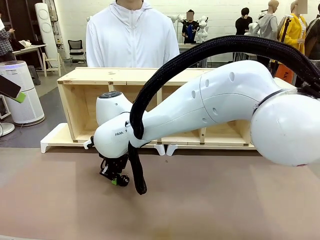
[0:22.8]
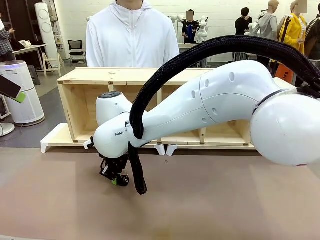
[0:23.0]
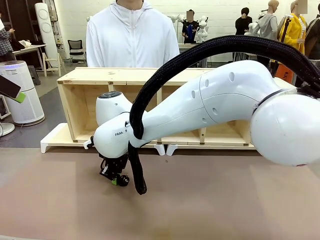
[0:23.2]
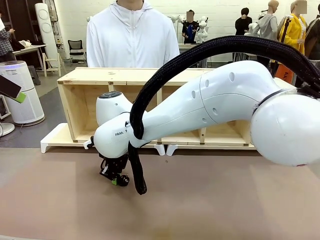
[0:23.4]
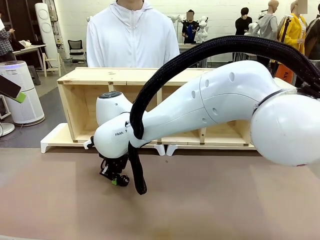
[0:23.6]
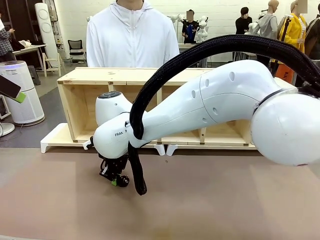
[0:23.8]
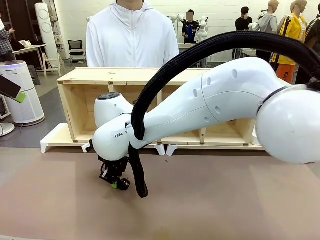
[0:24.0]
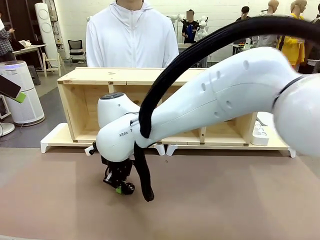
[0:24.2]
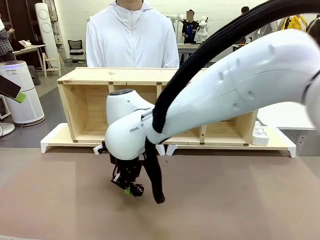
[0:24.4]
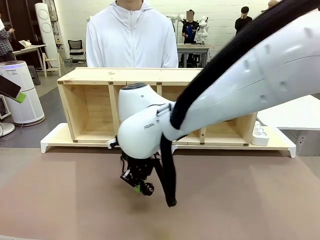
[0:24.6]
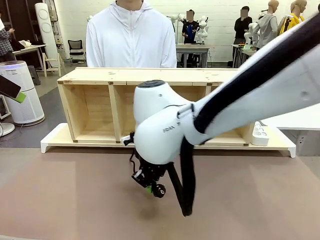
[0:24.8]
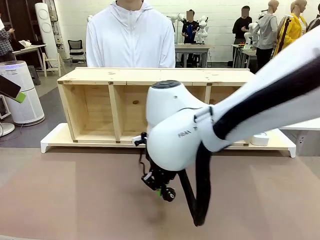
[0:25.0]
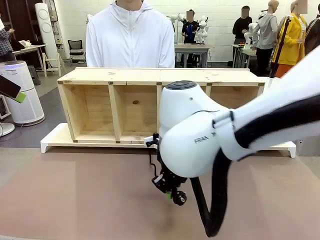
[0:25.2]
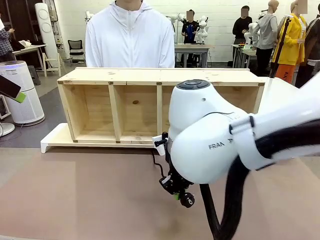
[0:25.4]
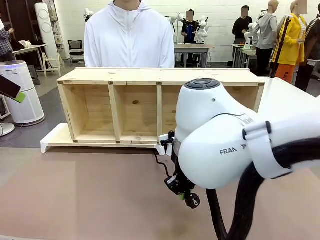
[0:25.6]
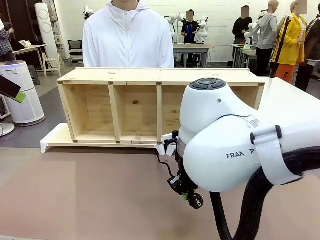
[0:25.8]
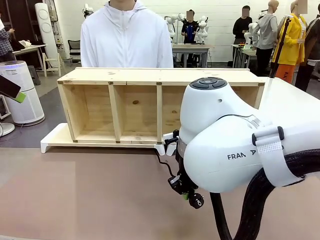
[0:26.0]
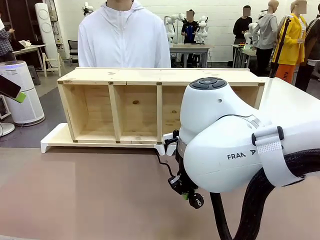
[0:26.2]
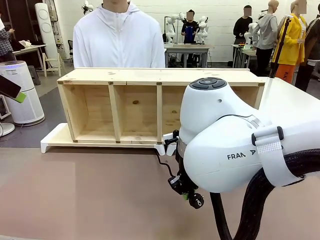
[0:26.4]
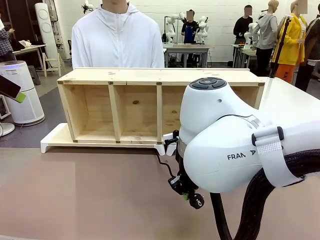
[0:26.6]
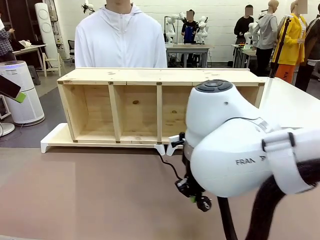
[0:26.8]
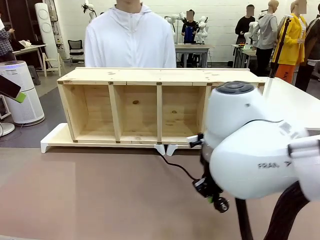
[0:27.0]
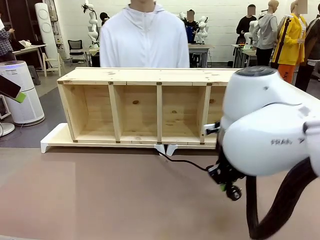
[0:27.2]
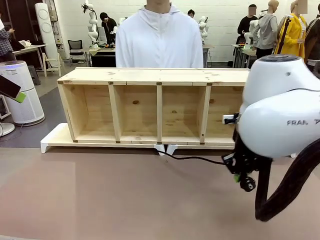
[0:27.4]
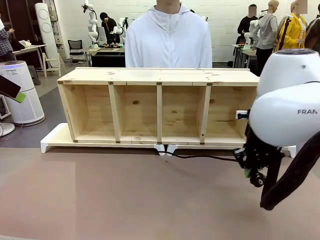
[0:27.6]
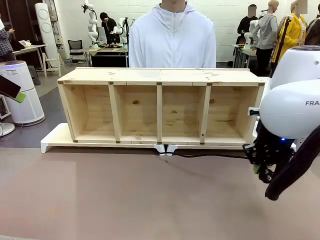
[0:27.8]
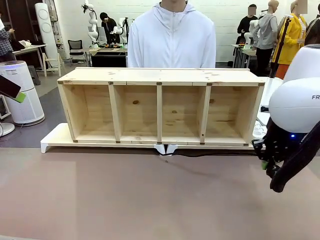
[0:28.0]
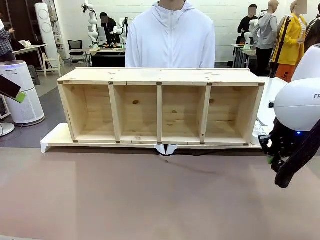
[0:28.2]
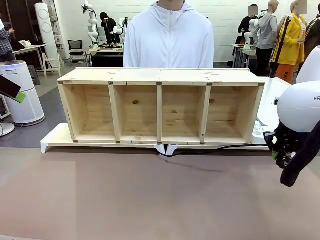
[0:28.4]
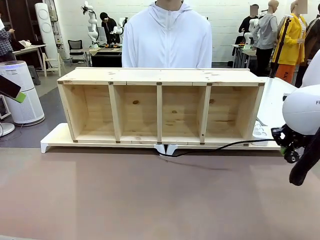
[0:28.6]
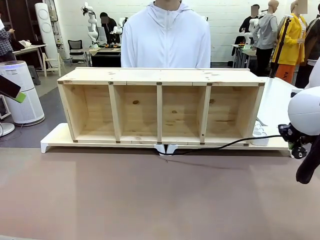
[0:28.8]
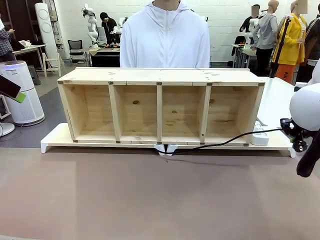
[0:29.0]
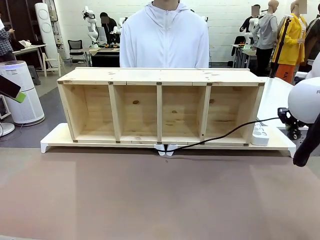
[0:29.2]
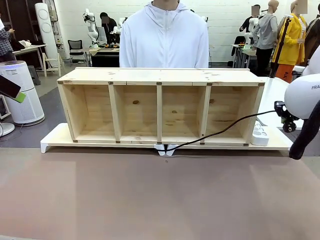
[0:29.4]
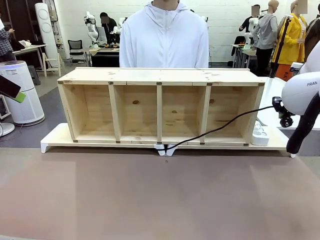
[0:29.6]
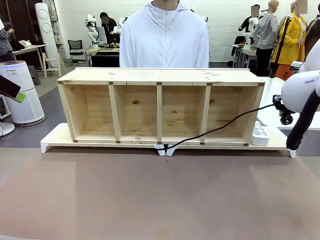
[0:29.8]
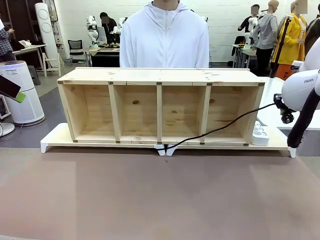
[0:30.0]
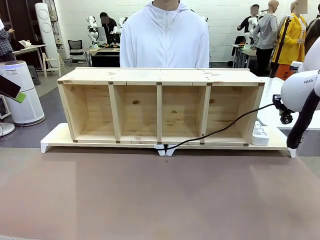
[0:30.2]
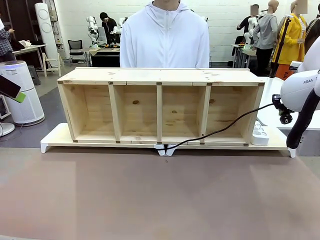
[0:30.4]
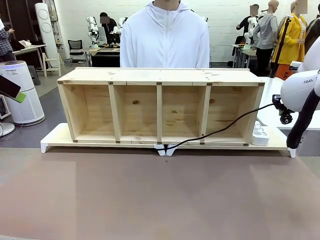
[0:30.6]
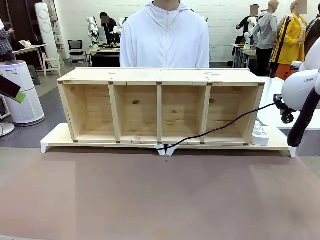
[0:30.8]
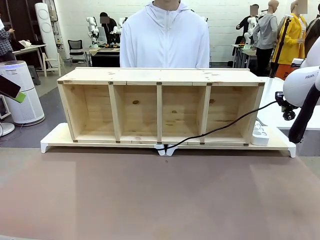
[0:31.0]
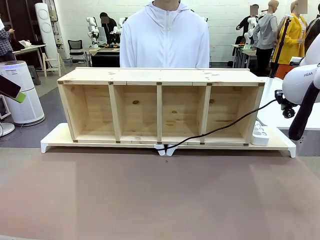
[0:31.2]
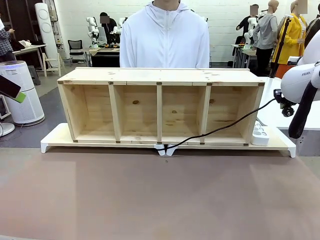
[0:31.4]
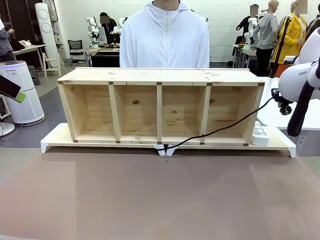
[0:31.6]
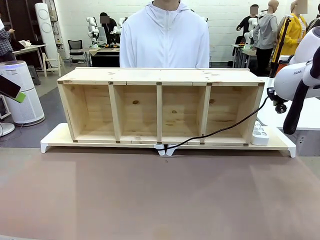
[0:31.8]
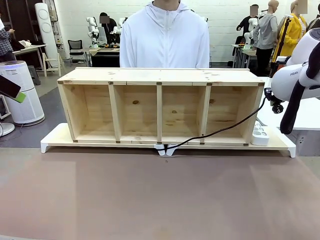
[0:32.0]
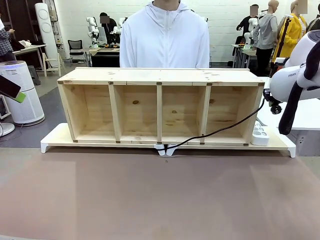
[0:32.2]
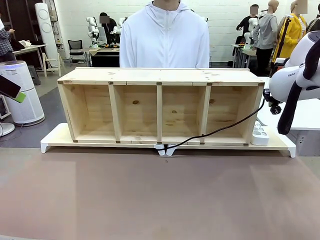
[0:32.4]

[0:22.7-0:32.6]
Task: Perform cable management.
Robot: Pull the grasped Power Cable to the location of the Power Strip.

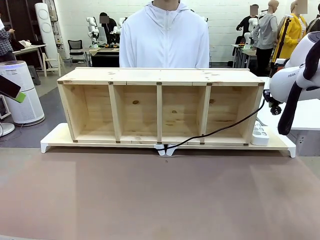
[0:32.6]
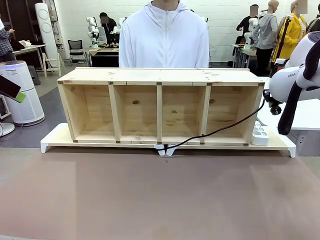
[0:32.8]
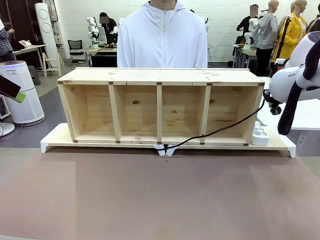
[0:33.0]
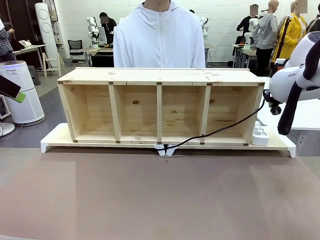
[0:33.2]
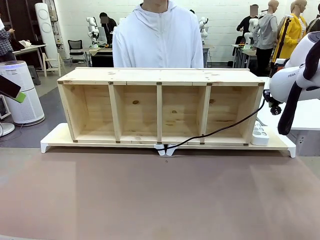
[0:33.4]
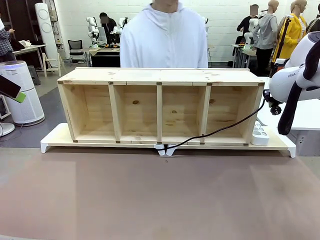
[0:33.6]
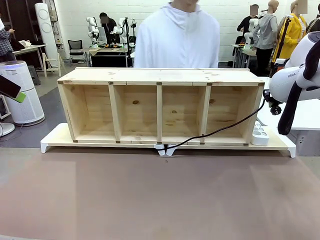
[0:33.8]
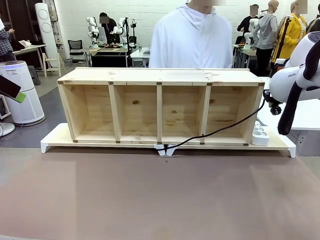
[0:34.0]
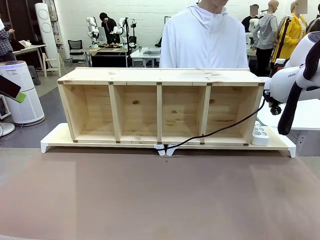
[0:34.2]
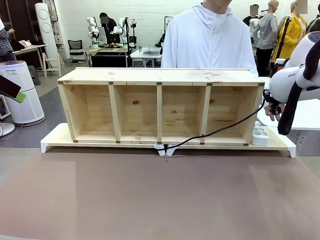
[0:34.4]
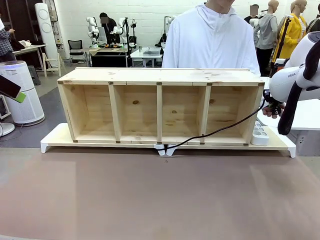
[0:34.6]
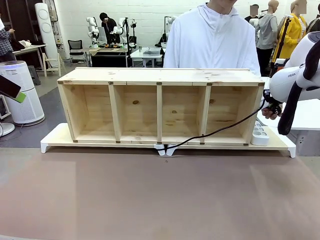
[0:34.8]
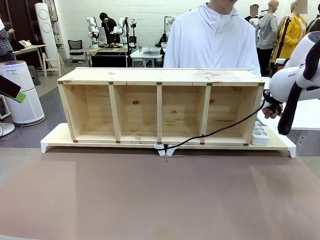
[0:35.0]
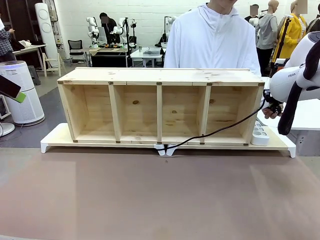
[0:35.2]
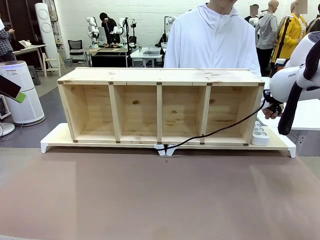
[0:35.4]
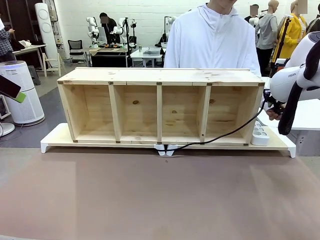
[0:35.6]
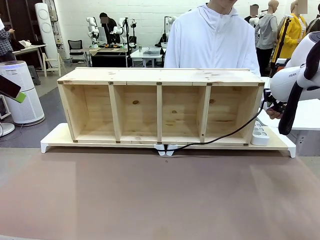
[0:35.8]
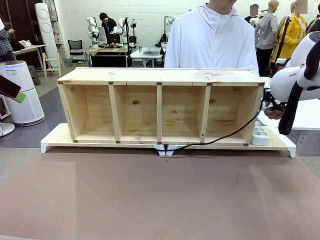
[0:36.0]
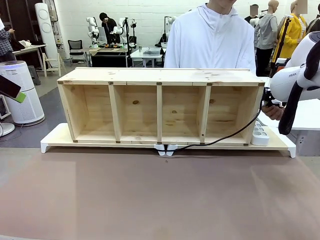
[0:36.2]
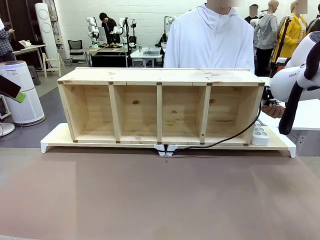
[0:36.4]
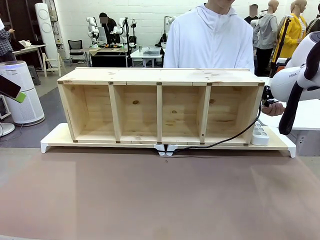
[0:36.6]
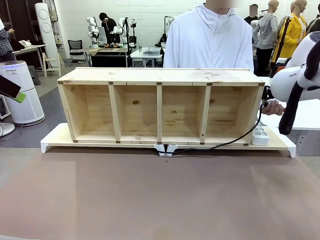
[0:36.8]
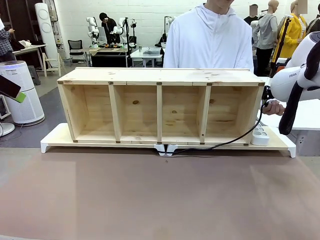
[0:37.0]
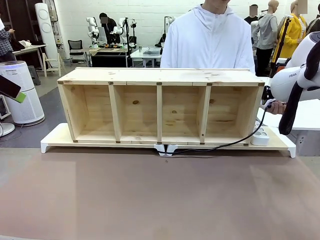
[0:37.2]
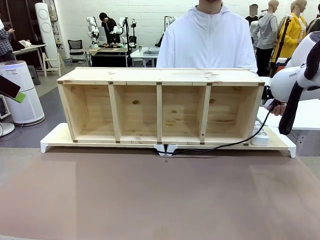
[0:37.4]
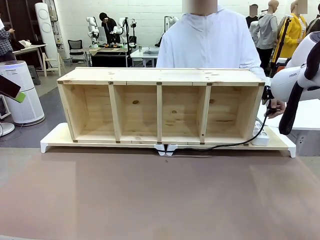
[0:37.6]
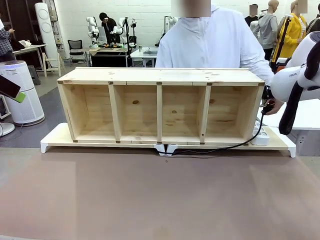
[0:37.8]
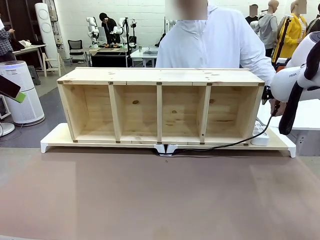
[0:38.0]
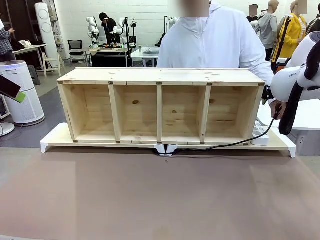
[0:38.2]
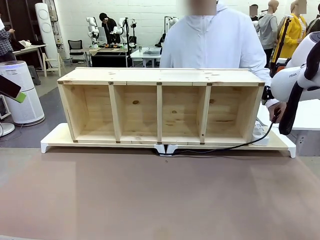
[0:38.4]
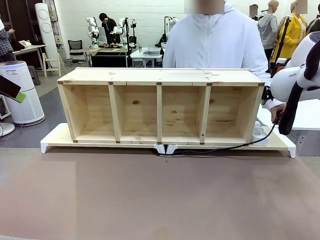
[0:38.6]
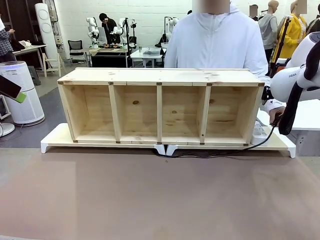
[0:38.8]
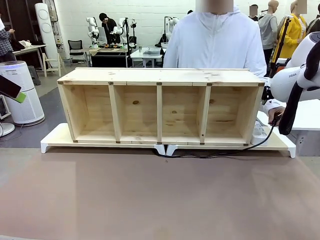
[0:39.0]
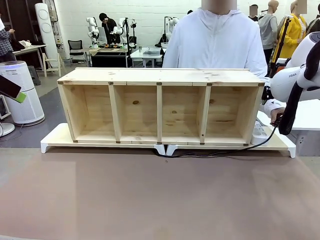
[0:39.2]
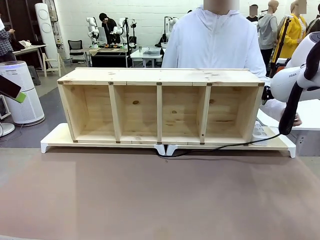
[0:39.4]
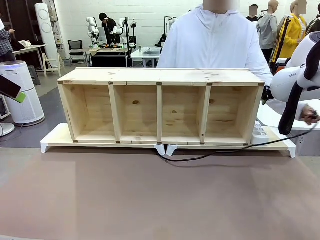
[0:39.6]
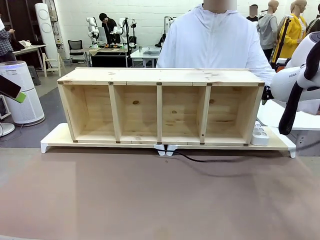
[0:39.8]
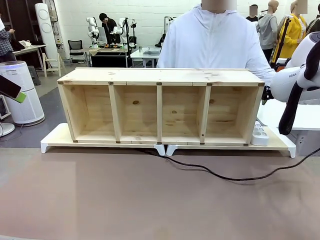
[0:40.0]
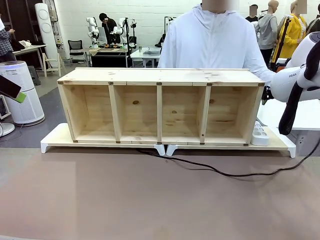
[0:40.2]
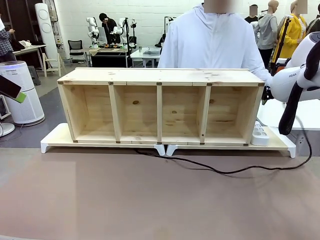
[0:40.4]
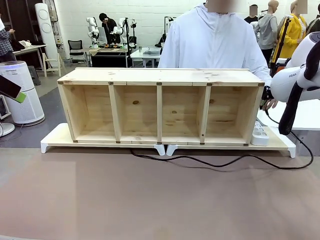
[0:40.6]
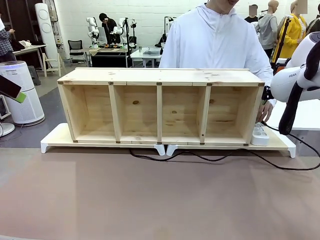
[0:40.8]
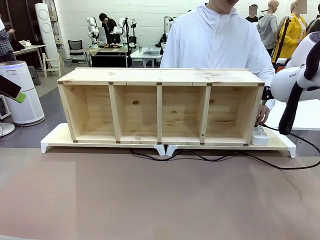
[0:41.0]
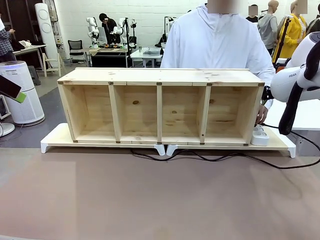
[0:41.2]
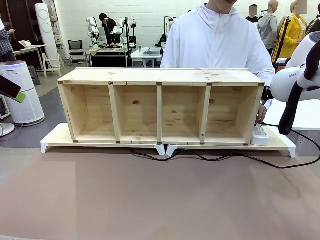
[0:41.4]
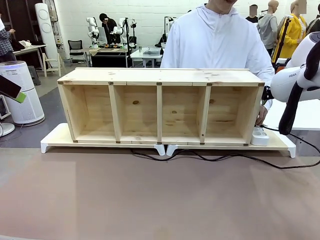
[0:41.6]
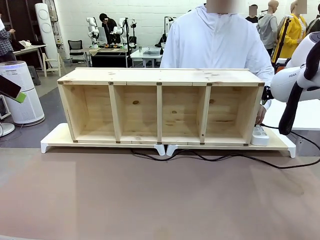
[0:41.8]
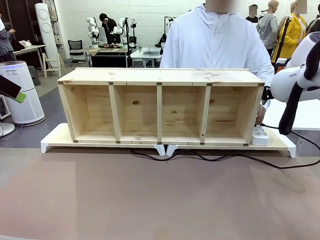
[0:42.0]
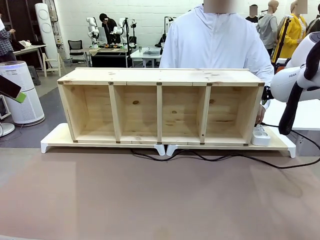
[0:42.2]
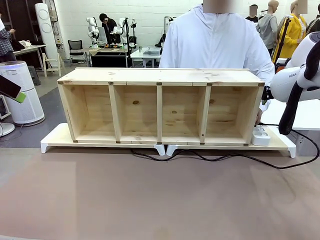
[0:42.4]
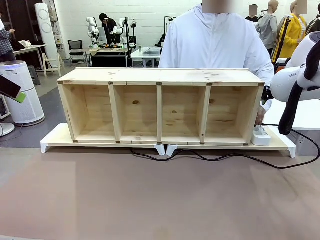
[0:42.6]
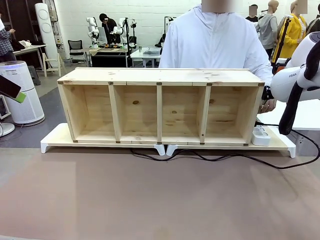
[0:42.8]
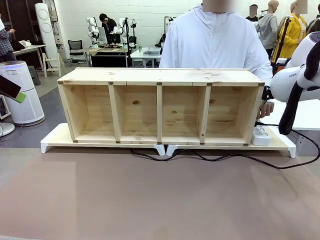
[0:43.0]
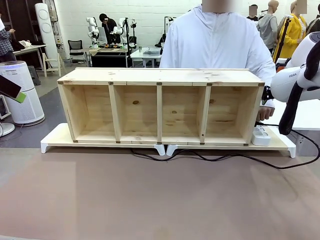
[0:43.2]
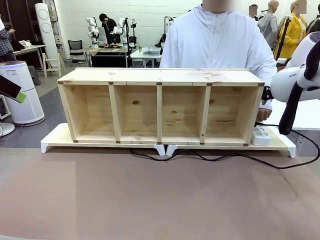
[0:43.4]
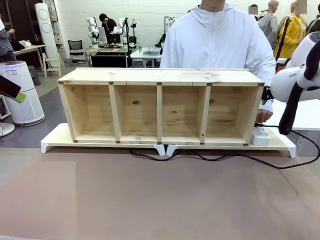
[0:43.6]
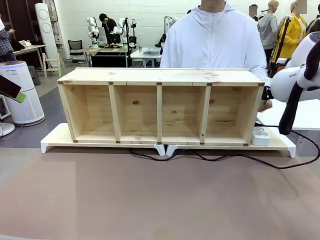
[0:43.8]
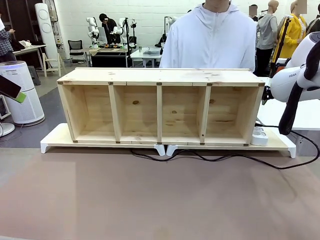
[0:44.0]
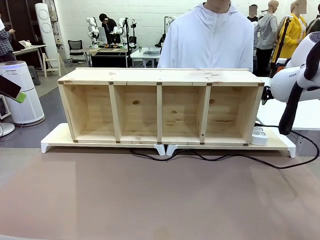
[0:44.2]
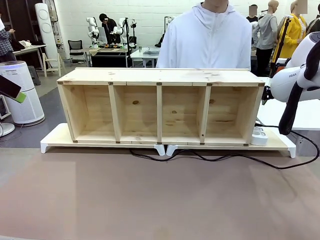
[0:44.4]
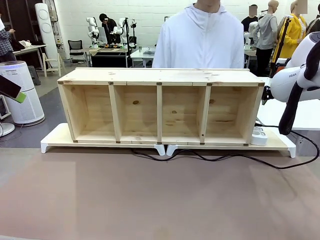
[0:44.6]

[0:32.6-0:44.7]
Robot: Release the Power Cable when the human grasps it.
Person: Plug the Power Cable into the Power Strip.
